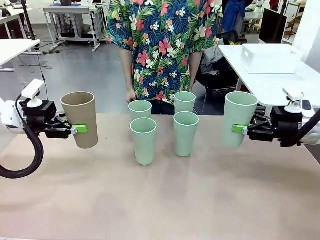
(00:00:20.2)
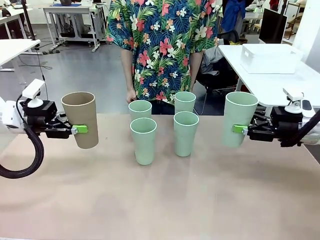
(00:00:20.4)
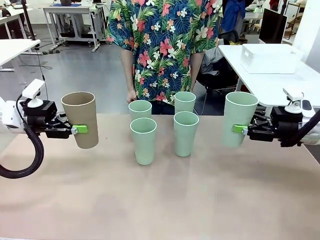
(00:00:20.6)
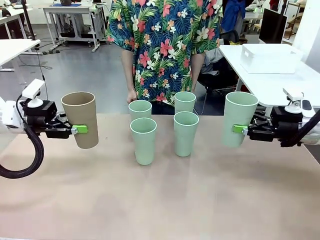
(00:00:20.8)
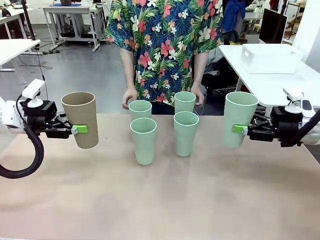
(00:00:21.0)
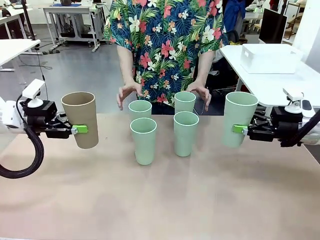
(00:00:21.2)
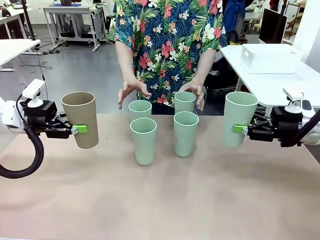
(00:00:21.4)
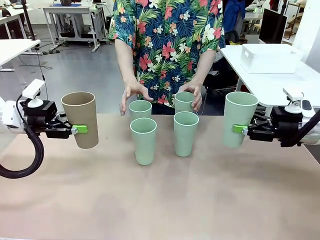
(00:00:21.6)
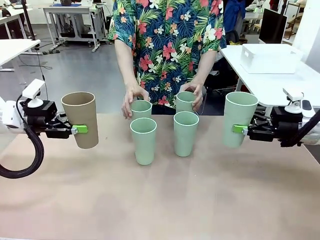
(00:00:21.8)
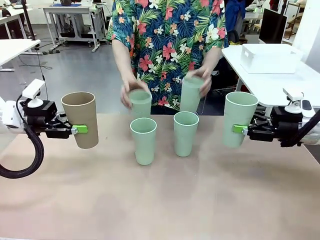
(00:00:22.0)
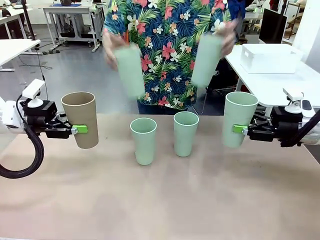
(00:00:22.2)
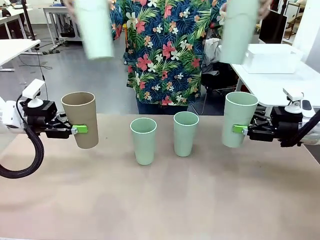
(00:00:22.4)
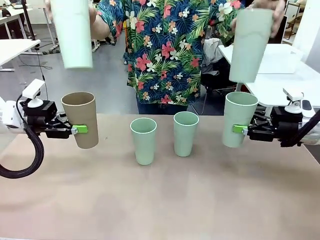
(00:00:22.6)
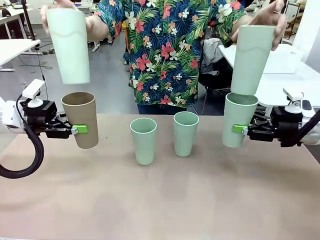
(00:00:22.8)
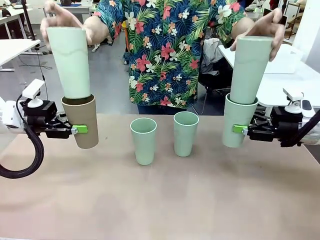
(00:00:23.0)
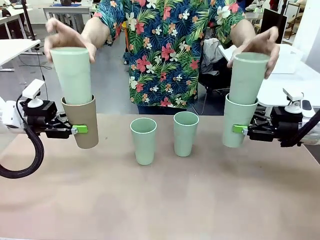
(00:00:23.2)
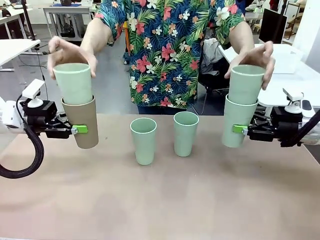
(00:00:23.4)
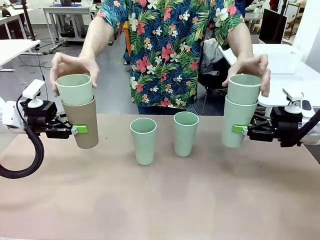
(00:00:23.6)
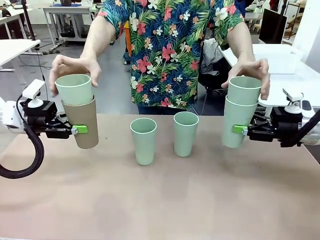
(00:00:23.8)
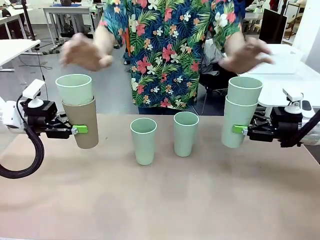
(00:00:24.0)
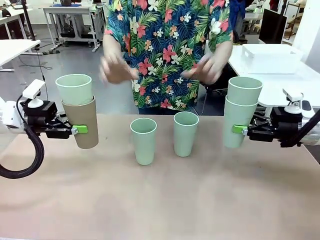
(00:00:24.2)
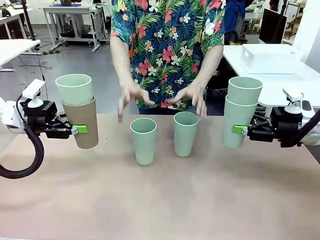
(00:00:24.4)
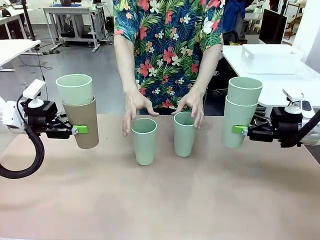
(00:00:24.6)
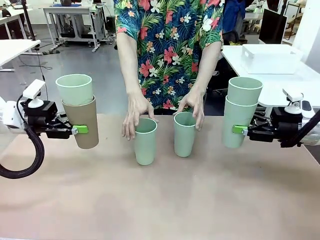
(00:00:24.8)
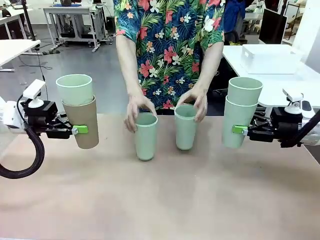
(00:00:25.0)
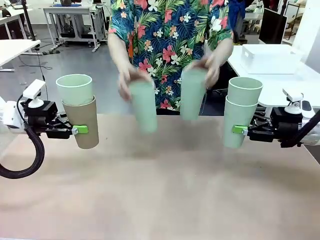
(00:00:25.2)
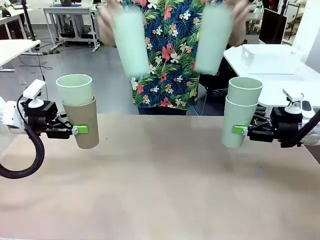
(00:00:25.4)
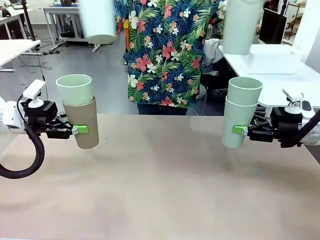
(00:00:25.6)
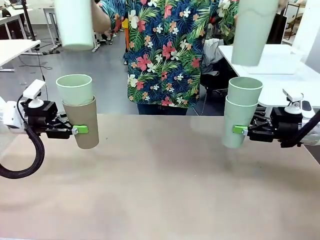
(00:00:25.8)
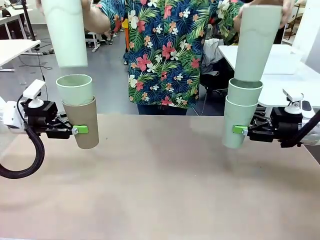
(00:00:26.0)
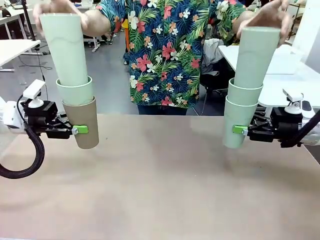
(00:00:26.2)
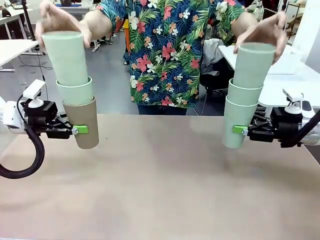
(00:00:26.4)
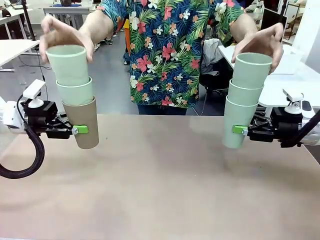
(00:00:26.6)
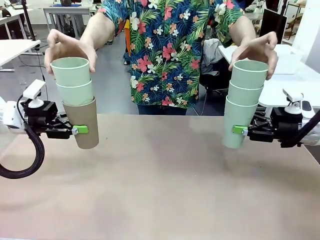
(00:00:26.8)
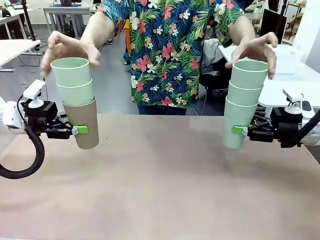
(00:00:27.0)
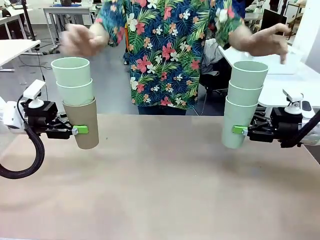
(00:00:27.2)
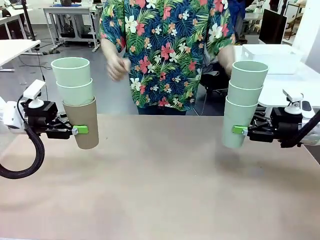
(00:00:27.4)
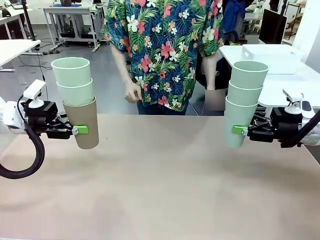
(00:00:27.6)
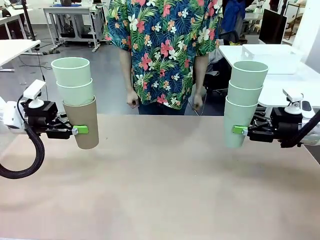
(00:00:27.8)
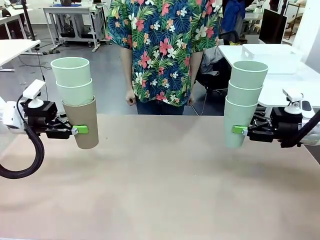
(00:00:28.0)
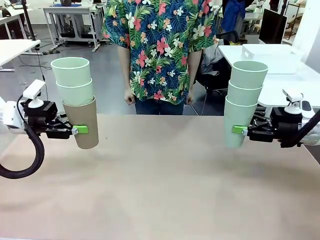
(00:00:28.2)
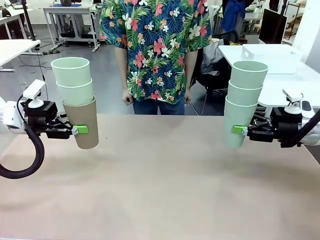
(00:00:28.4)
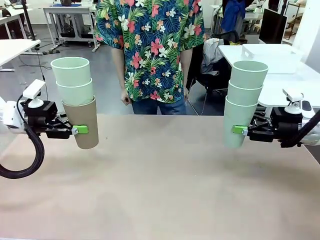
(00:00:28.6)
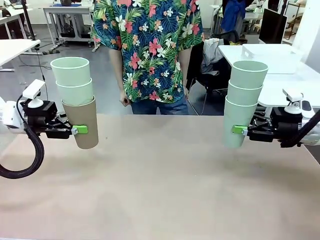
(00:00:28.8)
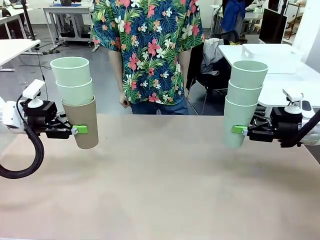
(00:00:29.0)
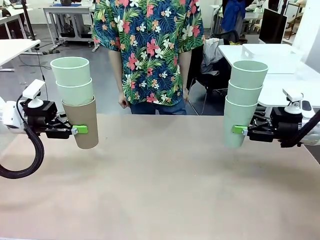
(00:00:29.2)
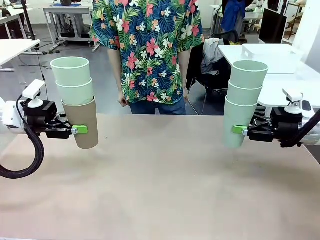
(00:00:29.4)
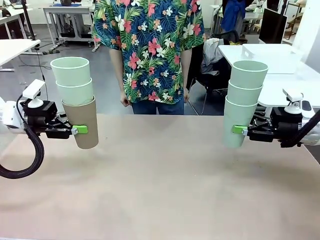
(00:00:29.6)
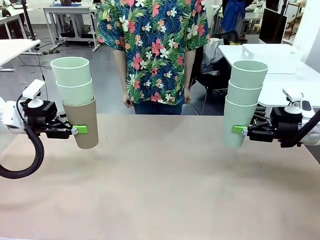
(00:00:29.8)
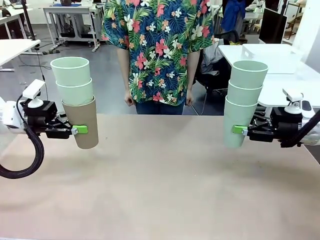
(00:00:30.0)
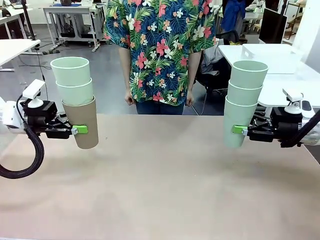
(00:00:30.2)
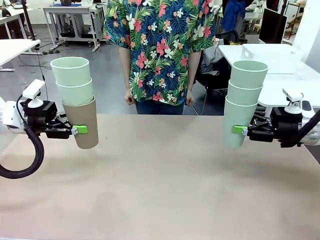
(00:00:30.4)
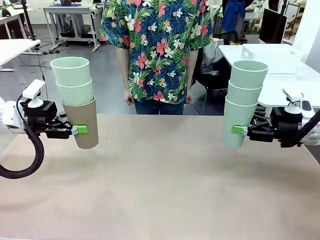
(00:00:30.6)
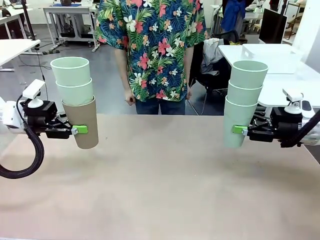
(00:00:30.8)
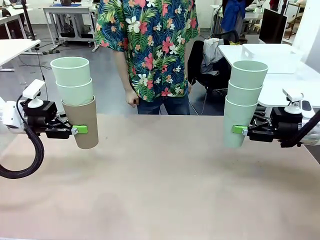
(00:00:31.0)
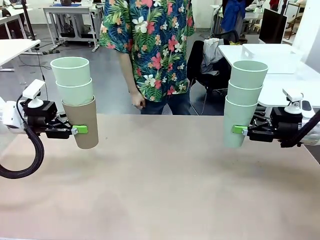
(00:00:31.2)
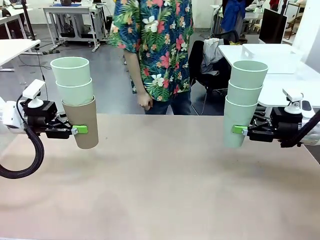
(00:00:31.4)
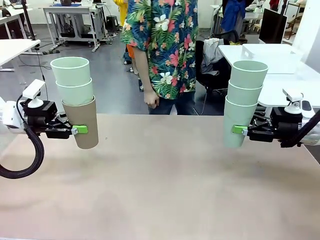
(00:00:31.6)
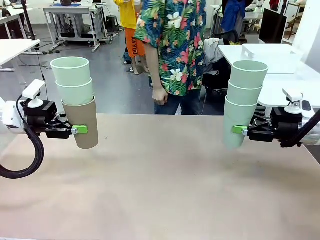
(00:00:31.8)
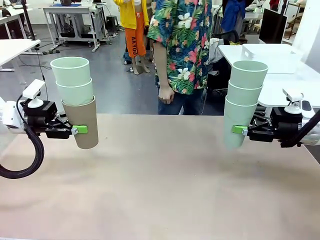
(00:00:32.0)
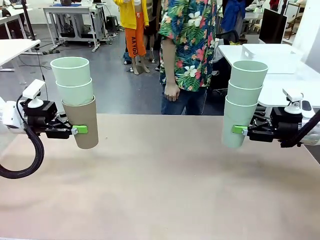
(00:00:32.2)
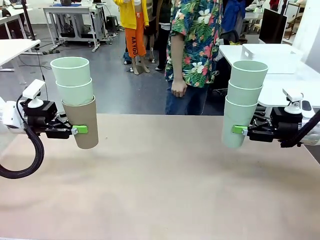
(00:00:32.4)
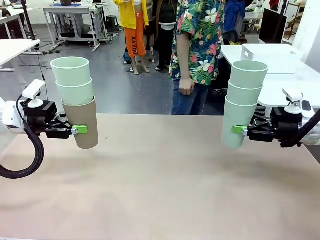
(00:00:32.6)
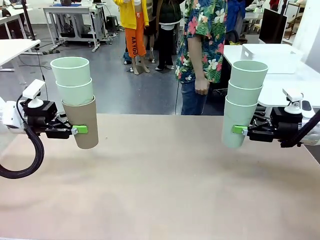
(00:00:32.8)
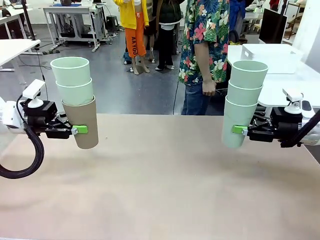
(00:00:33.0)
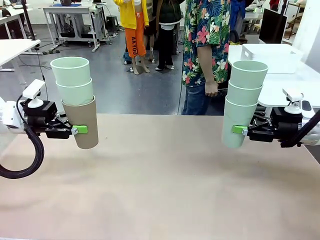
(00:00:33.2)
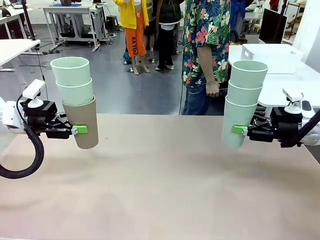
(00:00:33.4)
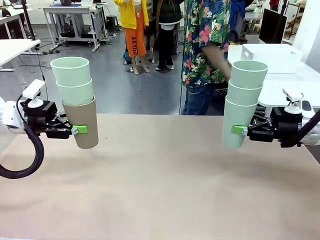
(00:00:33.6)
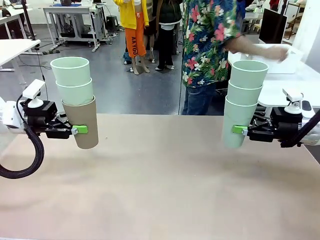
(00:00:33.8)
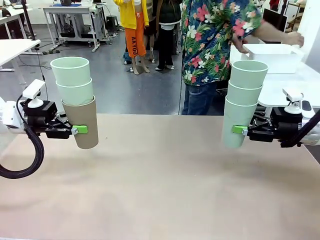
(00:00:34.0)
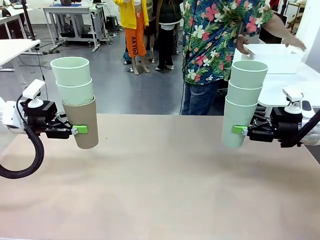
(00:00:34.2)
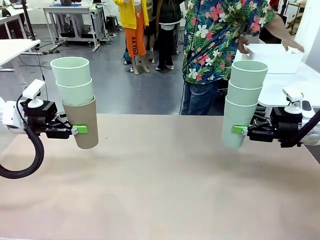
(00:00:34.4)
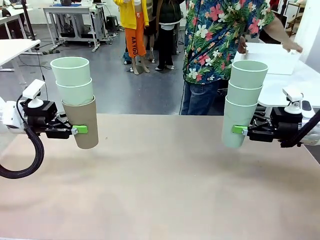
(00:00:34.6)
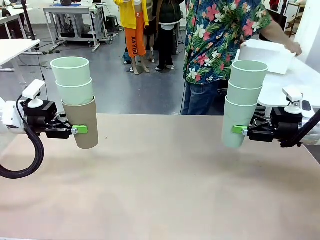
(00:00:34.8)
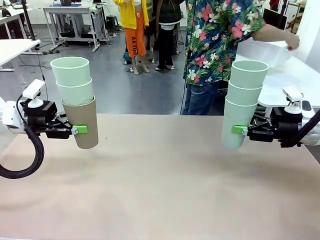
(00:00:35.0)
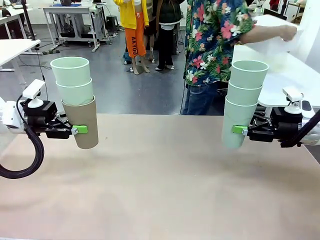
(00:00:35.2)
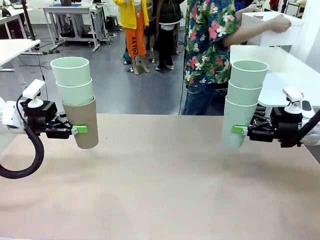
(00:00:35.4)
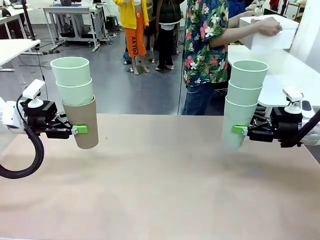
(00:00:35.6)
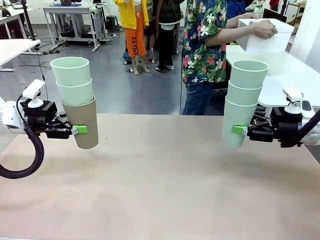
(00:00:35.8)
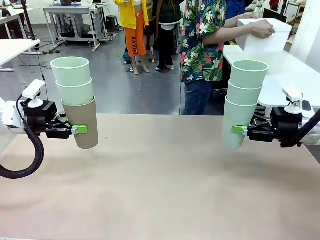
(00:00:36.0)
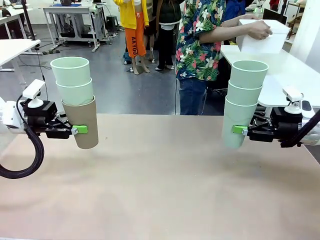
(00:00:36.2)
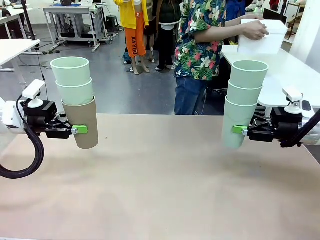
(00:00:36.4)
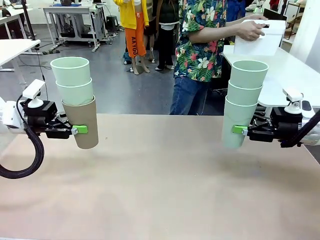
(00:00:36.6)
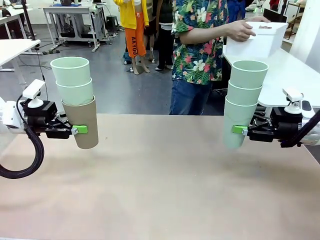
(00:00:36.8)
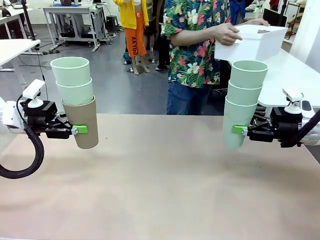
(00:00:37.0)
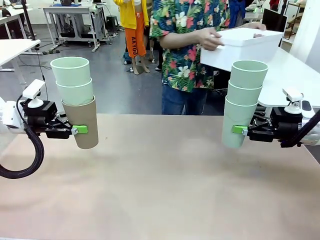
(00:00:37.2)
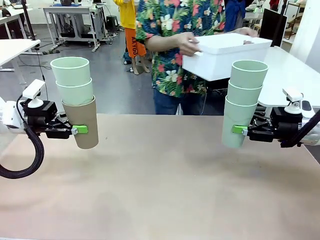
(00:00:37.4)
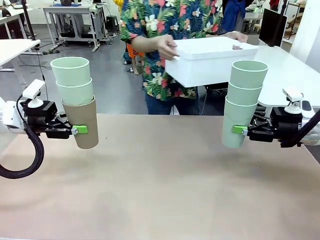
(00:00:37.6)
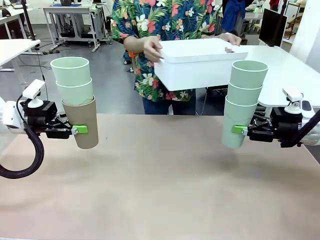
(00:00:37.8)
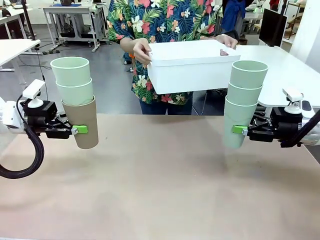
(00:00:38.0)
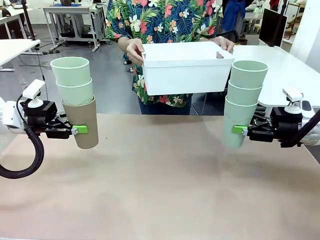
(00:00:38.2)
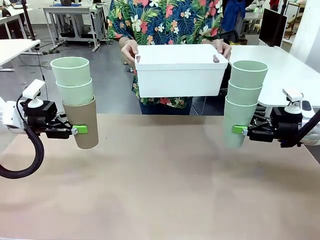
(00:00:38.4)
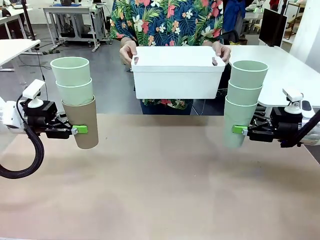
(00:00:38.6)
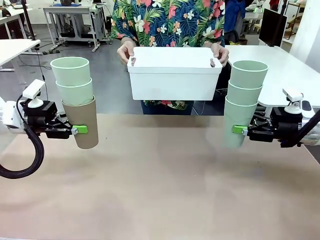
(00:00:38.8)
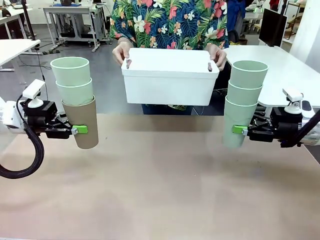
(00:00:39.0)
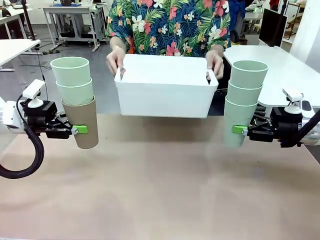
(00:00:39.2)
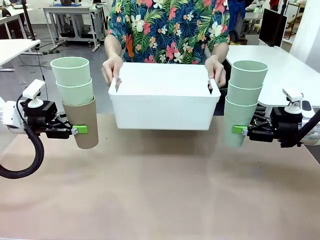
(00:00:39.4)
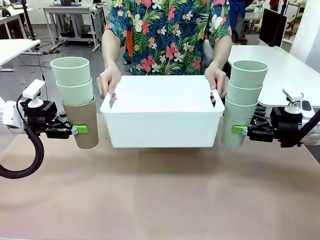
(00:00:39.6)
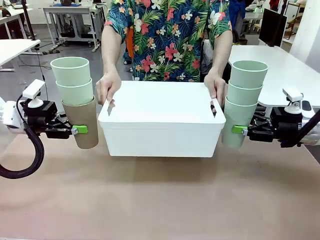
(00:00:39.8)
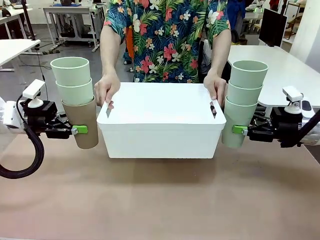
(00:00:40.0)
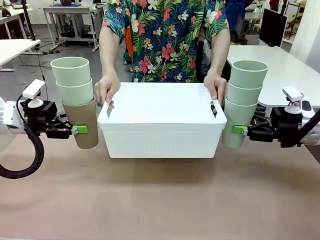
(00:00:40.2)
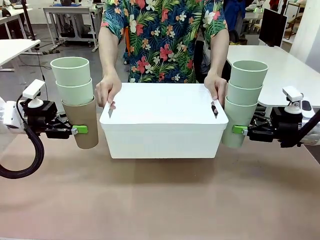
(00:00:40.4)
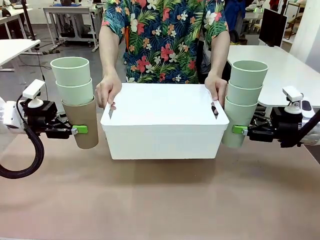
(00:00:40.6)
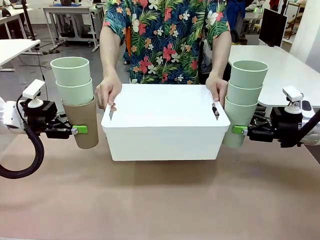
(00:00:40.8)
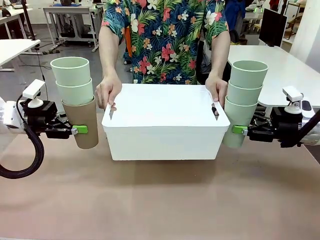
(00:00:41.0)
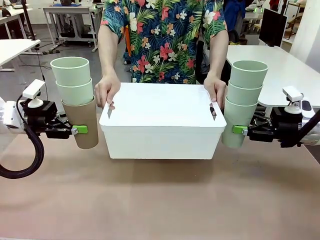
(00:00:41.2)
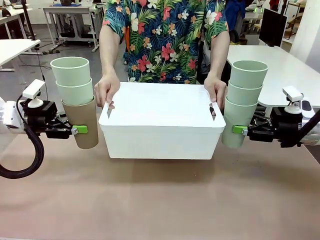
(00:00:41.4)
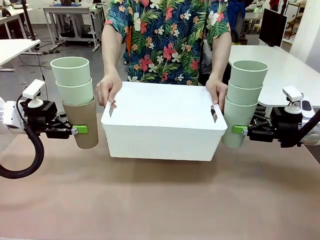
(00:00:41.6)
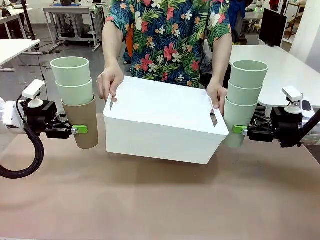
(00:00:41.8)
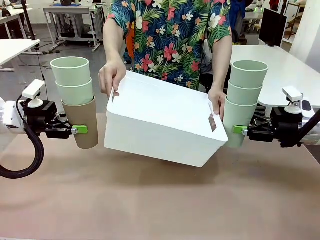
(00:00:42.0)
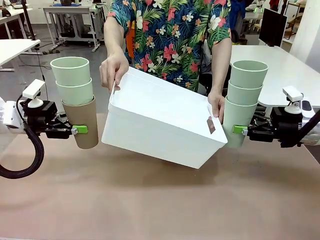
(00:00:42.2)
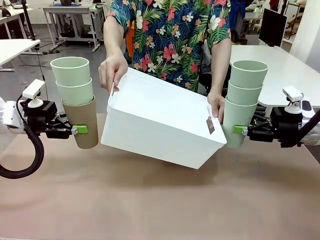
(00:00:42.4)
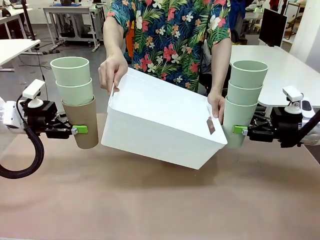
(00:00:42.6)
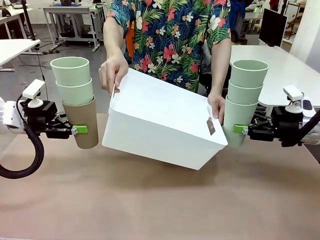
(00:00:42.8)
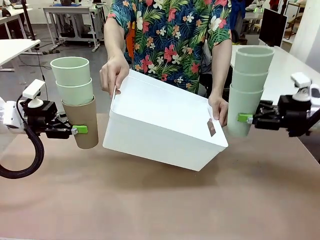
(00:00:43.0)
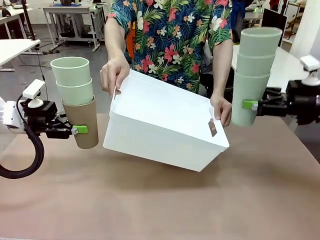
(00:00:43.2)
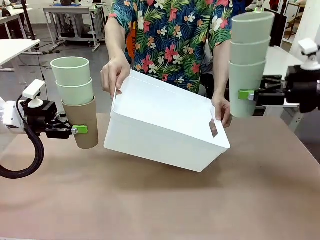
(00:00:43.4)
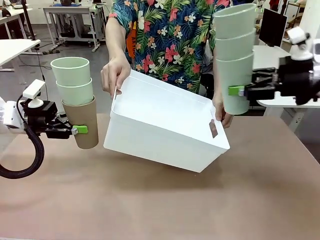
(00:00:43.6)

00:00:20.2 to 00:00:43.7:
Task: Stack the cups and store them in the basket.
Robot: Place the stack of Reusable plastic cups into the Pantry Basket.
Person: Pick up the basket from the Human Table, bring it to the front of the robot, and present it.
